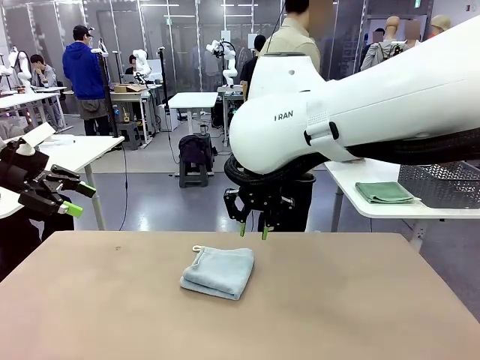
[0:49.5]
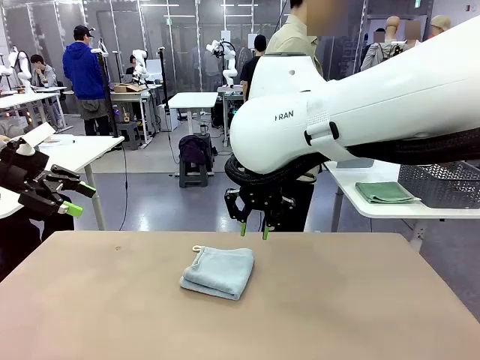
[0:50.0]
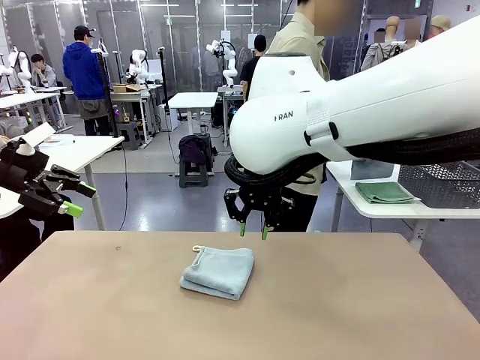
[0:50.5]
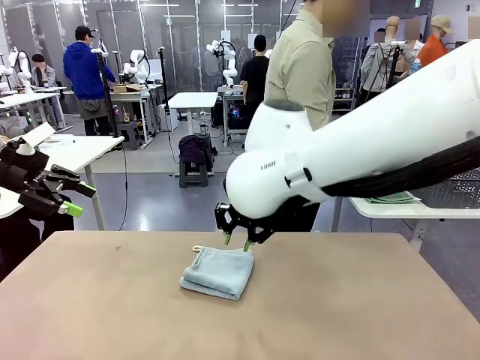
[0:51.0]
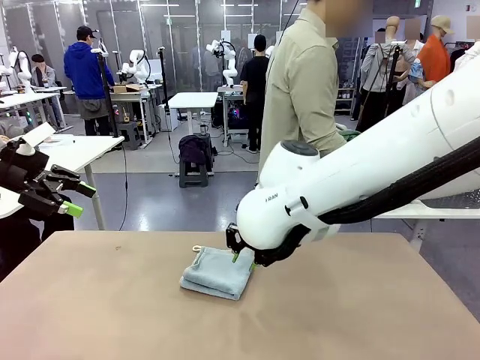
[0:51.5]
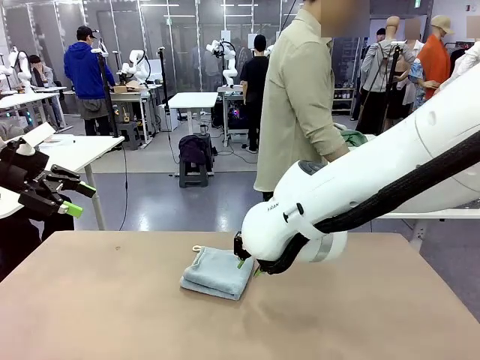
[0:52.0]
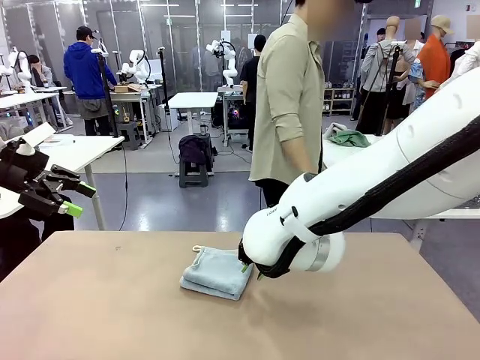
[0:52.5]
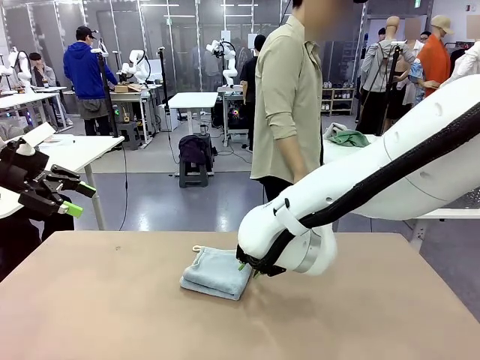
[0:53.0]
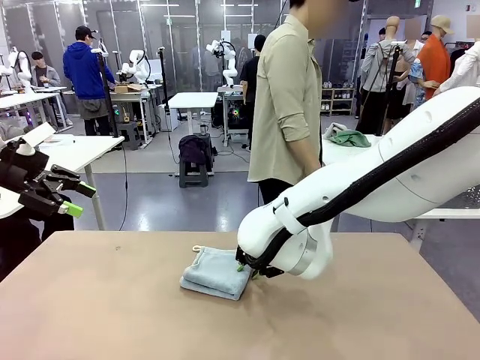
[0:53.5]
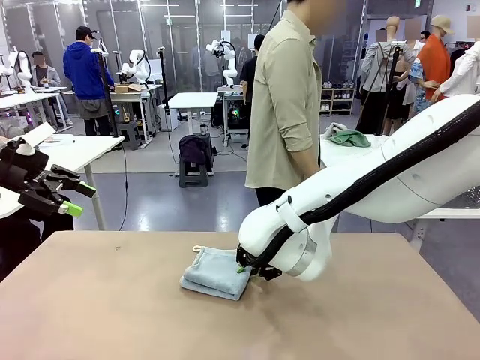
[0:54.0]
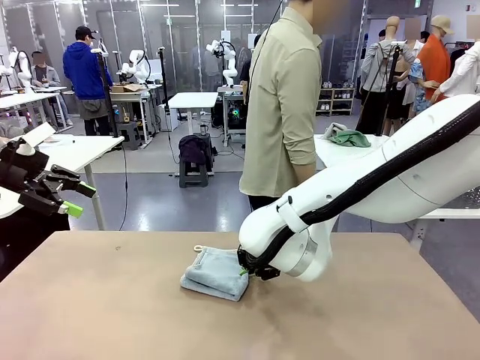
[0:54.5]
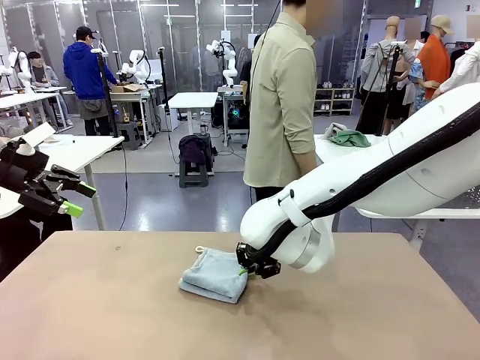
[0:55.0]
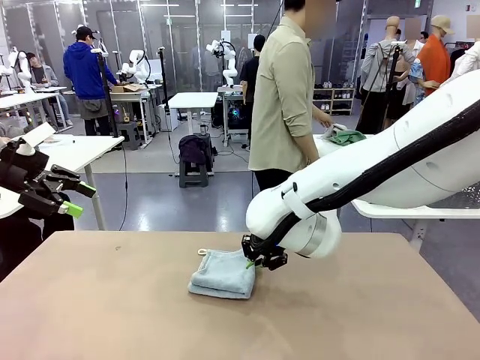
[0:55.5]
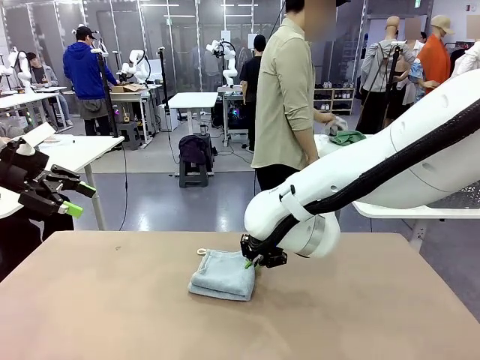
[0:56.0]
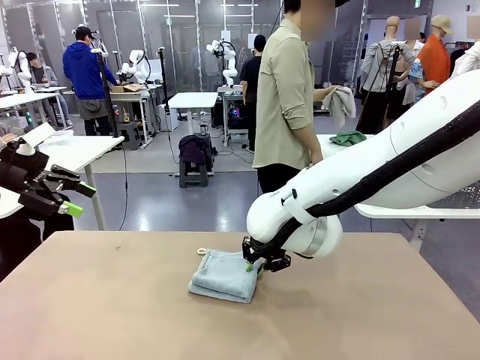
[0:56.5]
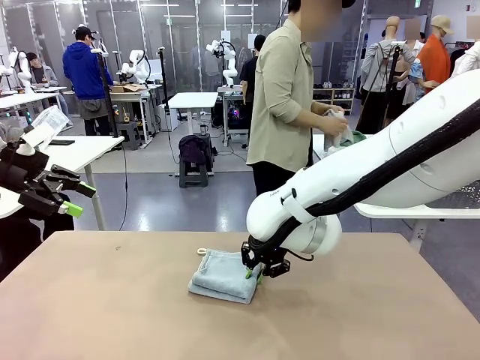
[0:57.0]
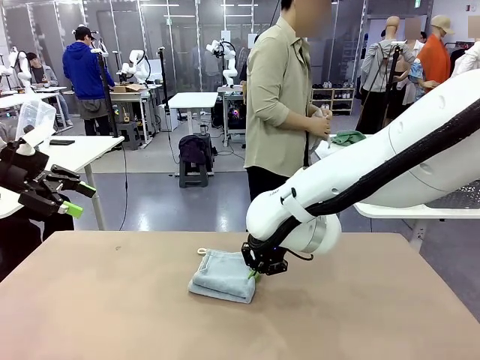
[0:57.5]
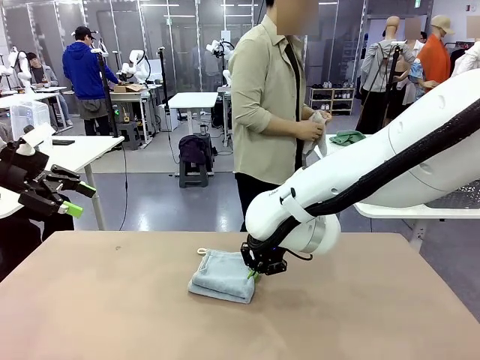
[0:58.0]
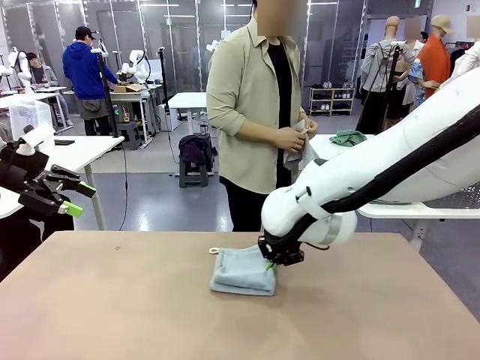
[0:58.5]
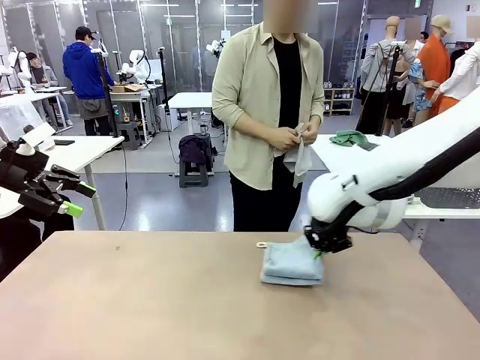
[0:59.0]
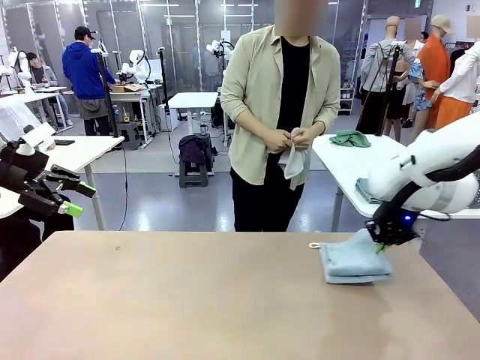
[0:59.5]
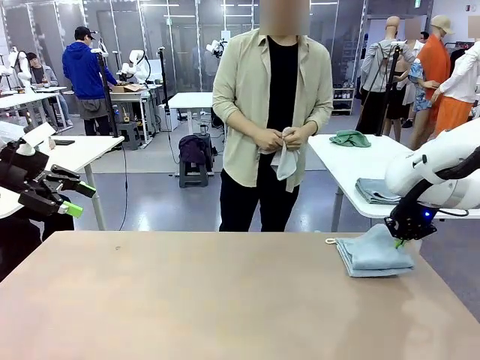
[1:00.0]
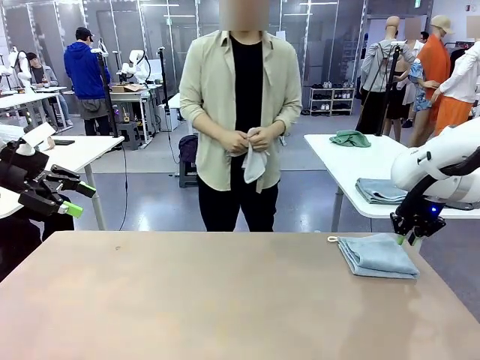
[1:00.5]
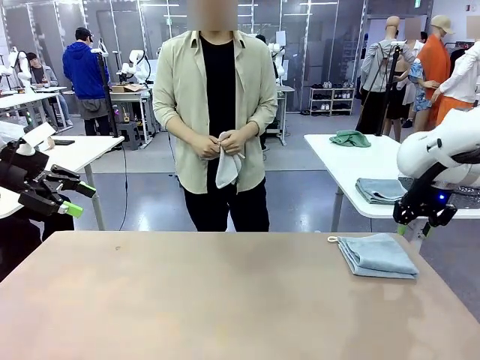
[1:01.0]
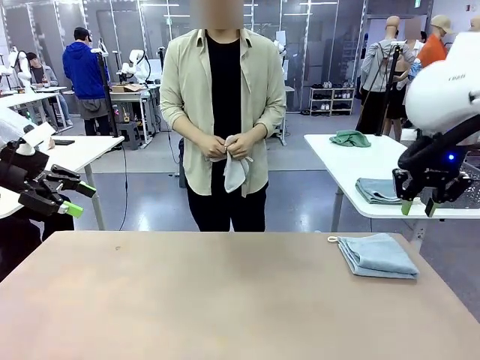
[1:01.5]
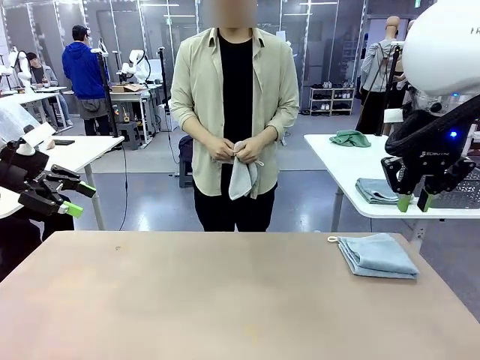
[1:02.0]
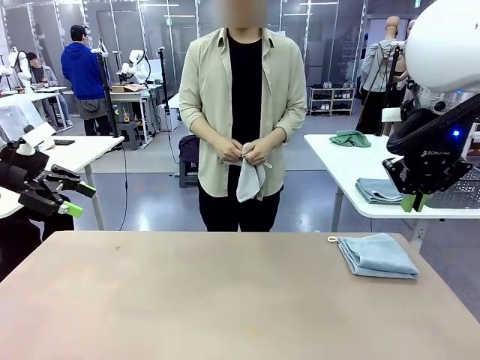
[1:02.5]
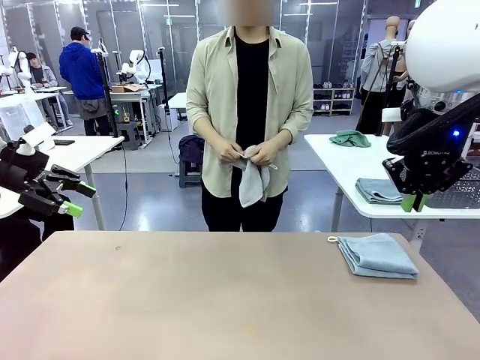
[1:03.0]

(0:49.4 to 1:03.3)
Task: Fold the towels and place them in the basket.
Robot: Place the folded Towel with hook on the right side of the table.
Person: Pick up one towel from the left side of the human table and spread it out at the center of the robot table.

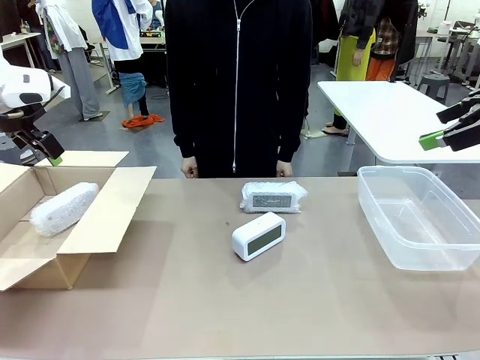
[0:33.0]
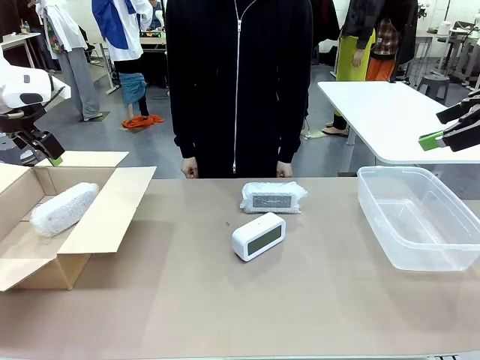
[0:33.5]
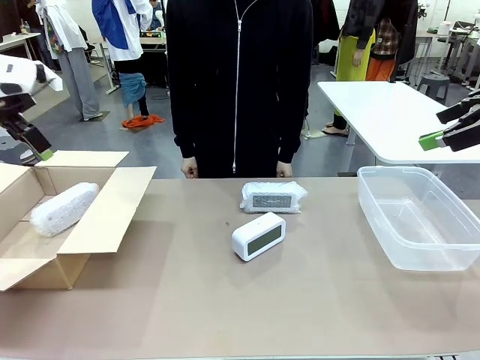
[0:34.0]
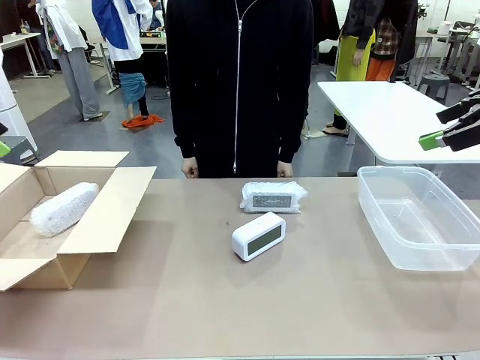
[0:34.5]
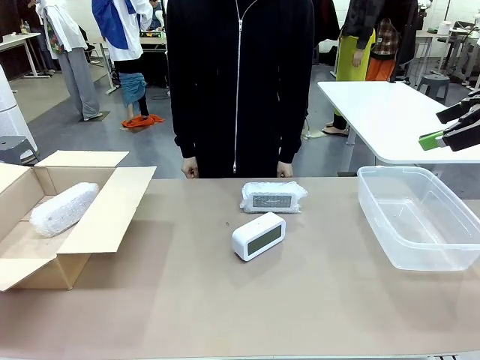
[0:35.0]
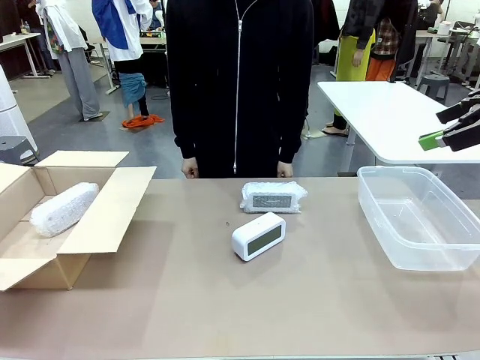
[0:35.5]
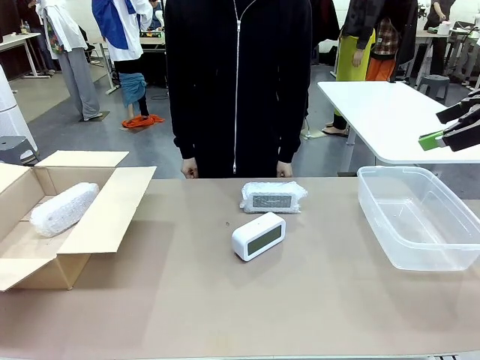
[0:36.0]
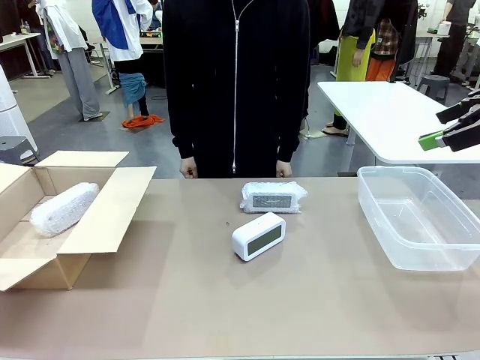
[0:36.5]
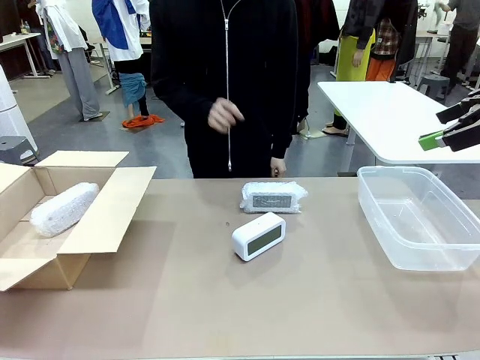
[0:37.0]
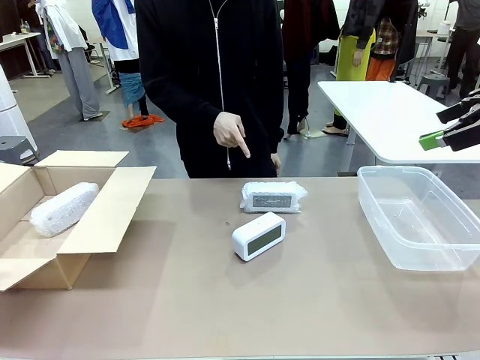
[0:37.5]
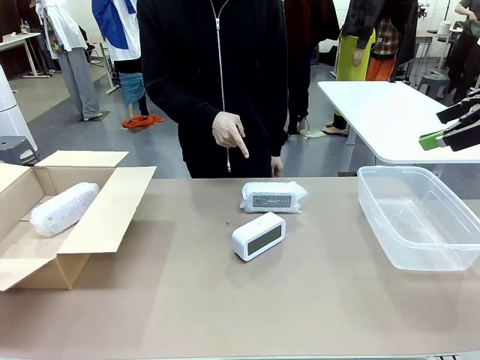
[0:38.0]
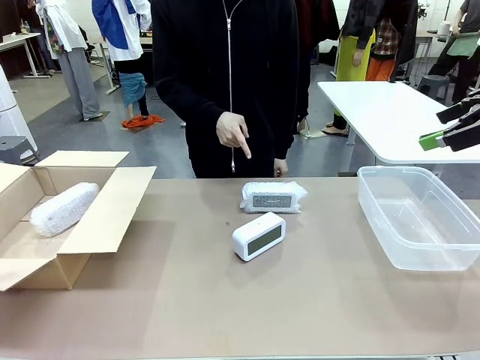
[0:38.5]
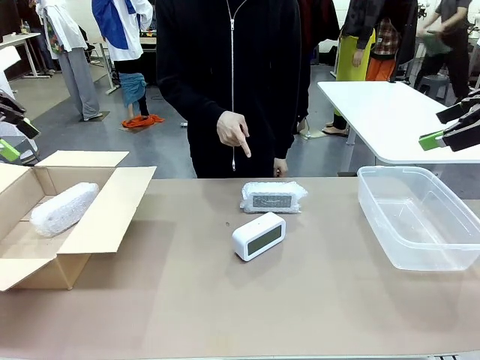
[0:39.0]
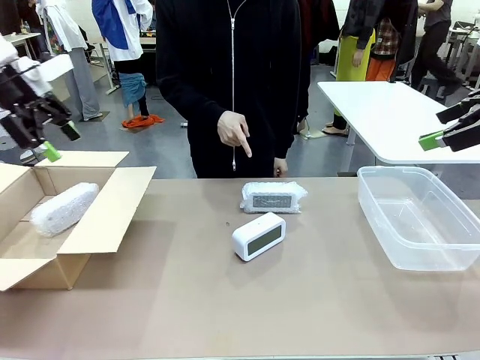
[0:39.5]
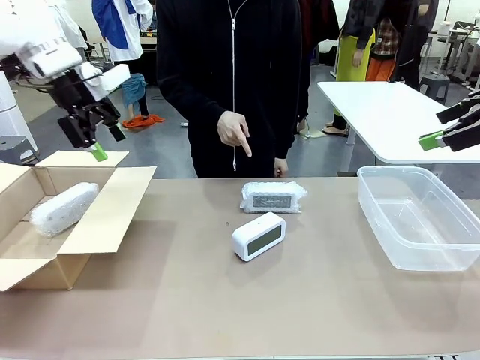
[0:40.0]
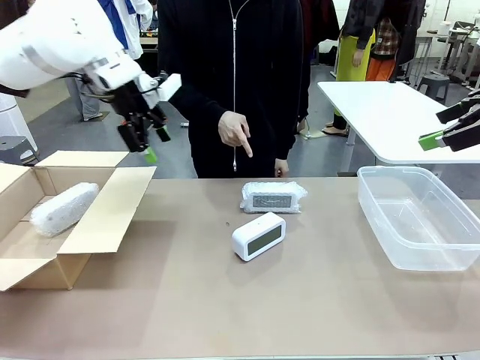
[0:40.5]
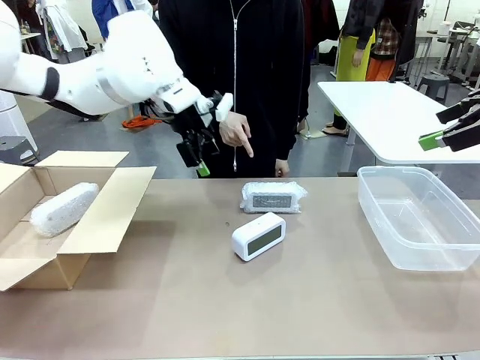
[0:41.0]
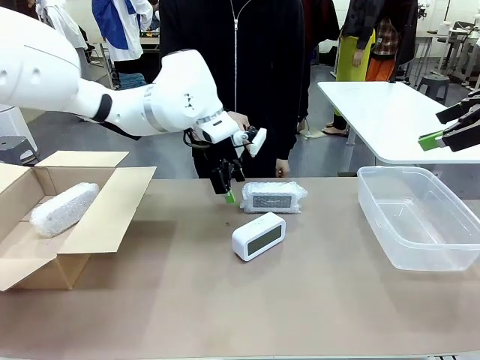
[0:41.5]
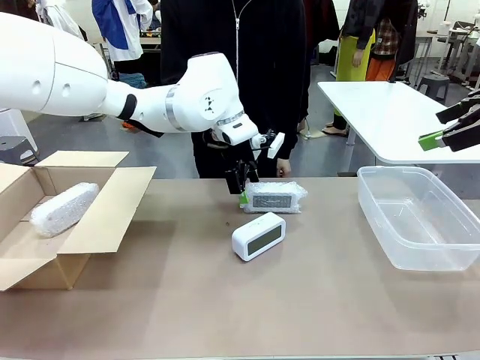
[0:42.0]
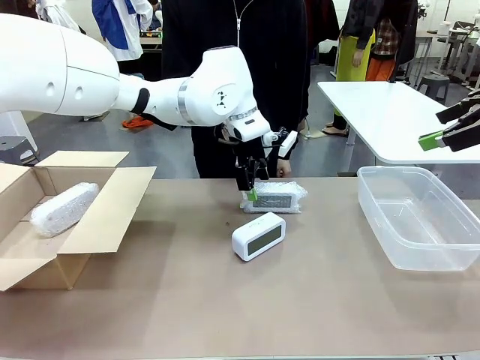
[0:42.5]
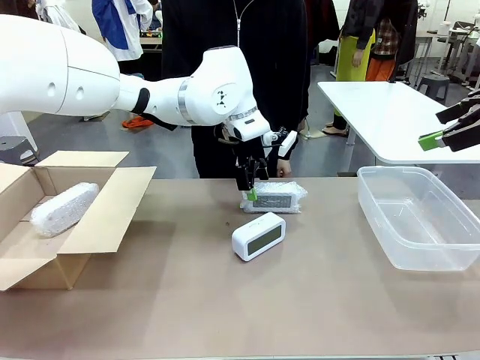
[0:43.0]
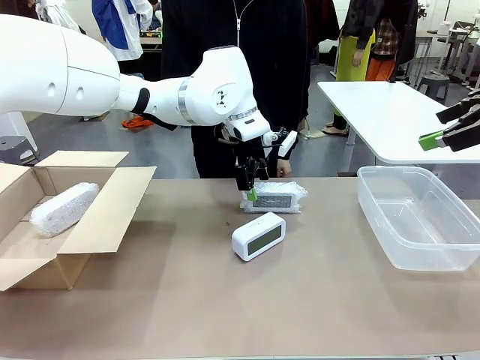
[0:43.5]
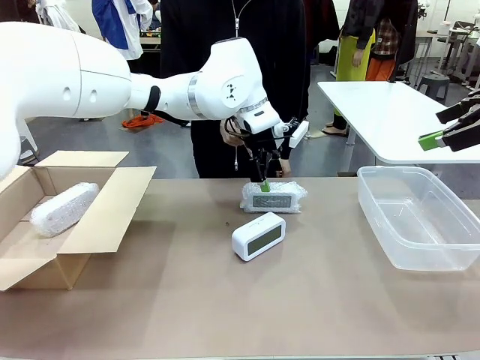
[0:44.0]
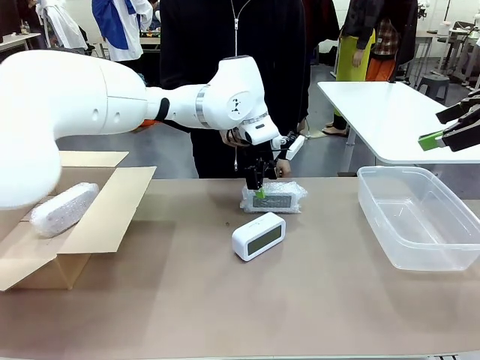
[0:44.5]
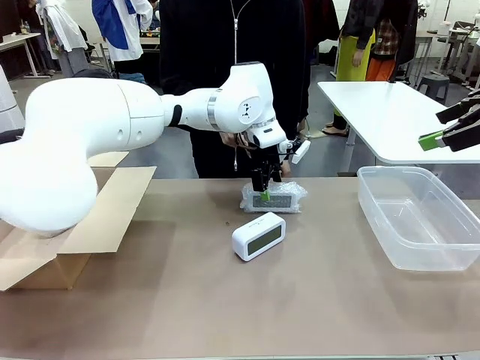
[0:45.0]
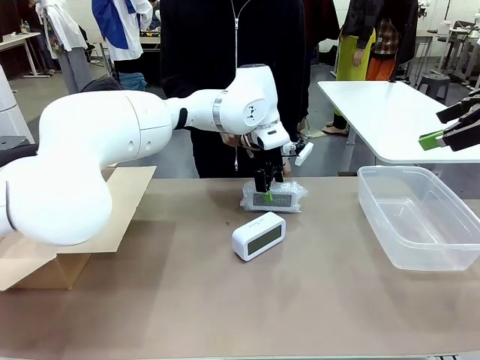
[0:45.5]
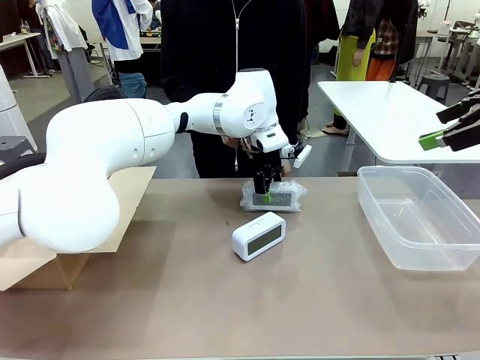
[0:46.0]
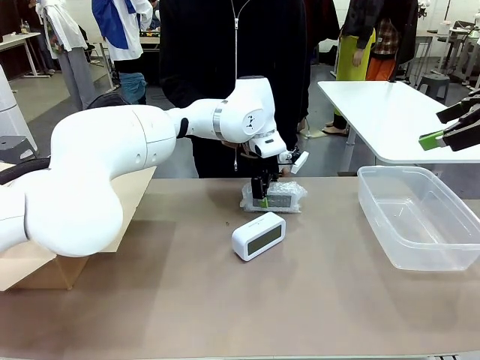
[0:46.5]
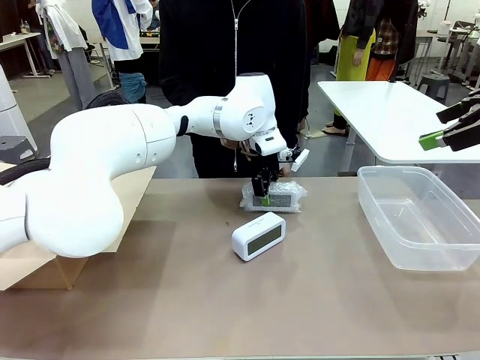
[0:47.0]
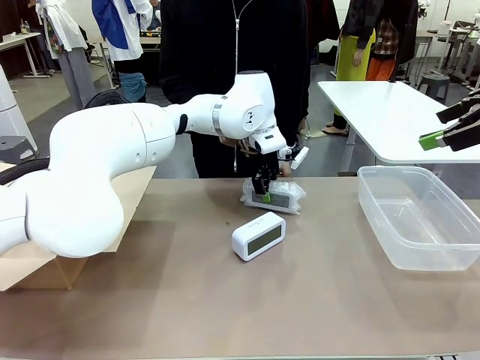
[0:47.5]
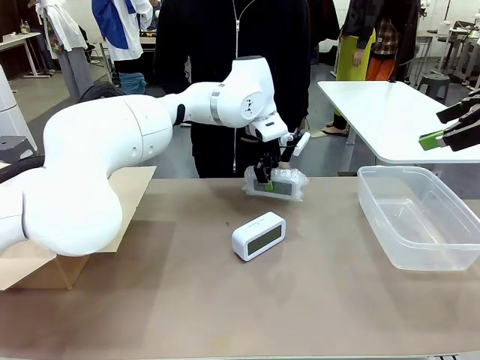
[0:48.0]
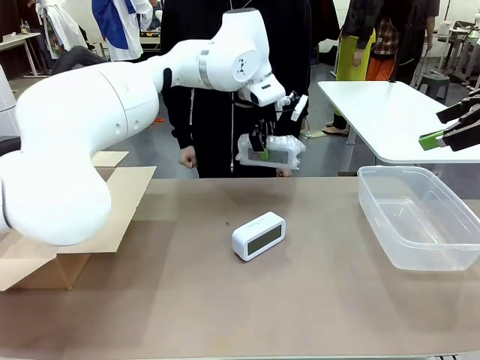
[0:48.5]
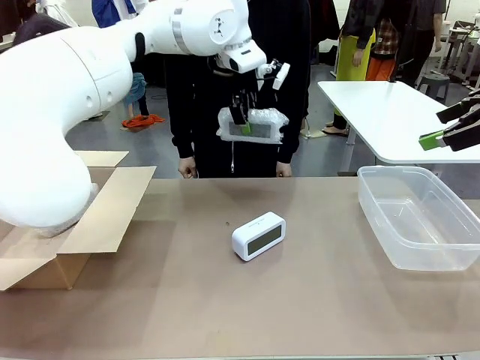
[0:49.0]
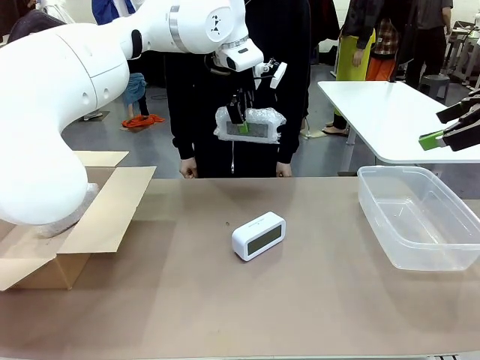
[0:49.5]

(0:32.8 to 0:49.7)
Task: Separate and place wrapped and unwrapped clocks.
Robot: Pick up the Digital clock indicated by the person.
